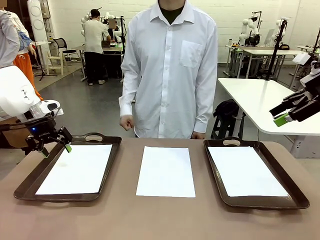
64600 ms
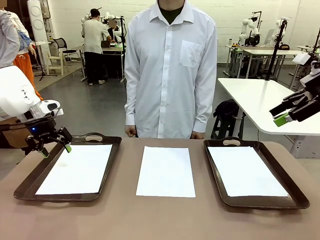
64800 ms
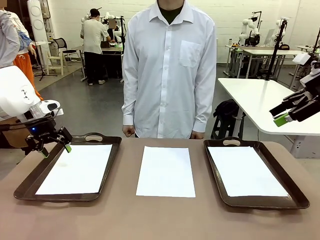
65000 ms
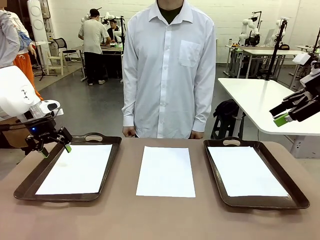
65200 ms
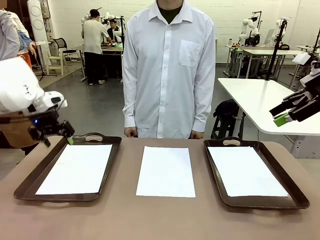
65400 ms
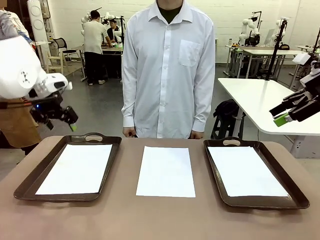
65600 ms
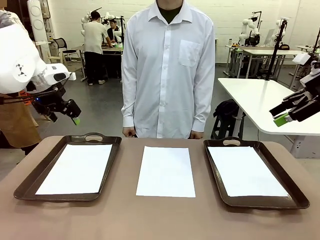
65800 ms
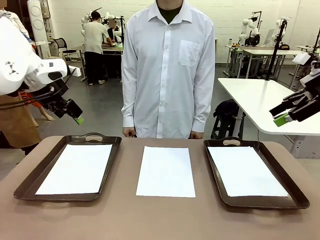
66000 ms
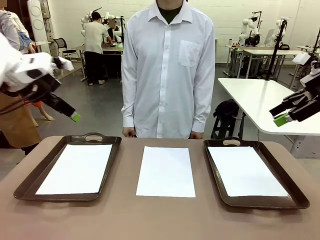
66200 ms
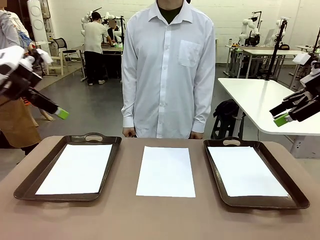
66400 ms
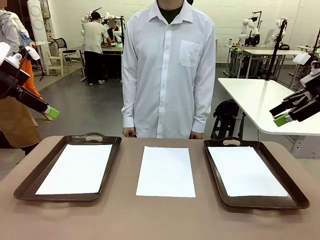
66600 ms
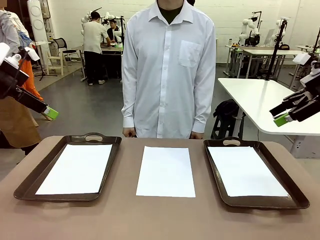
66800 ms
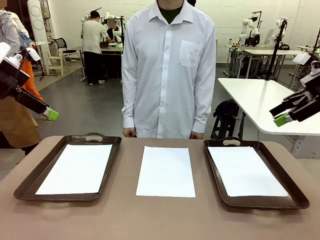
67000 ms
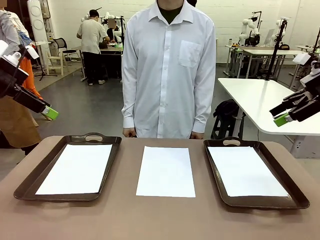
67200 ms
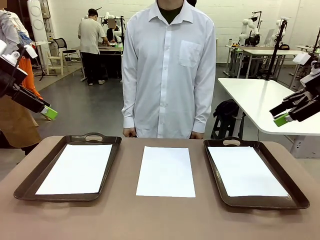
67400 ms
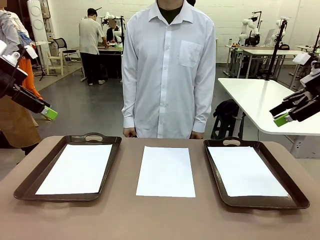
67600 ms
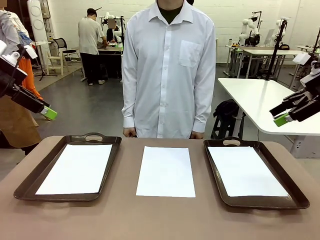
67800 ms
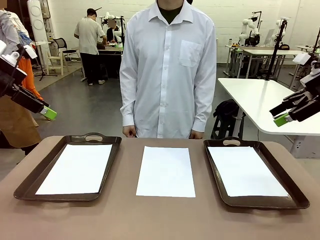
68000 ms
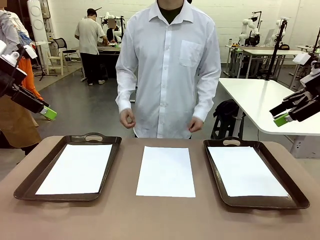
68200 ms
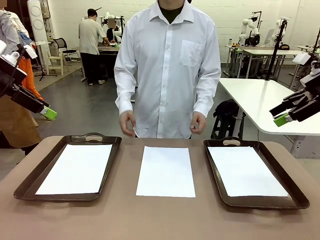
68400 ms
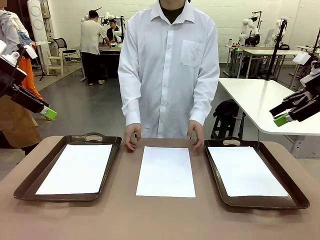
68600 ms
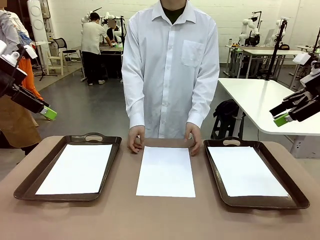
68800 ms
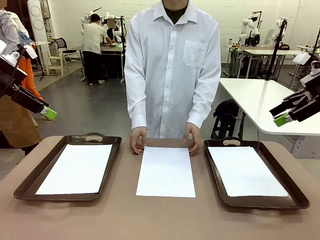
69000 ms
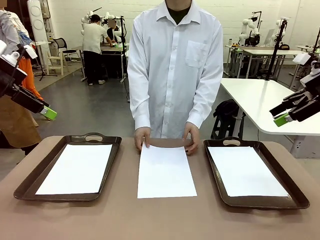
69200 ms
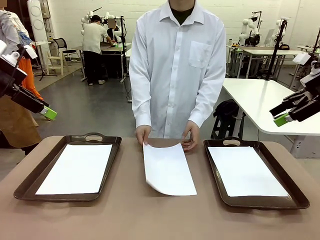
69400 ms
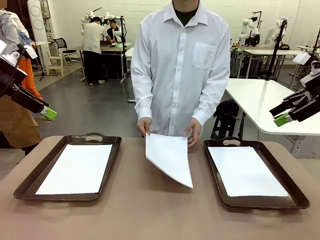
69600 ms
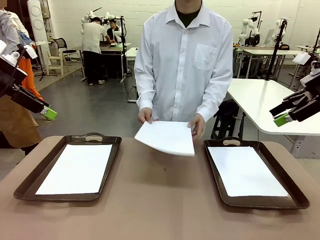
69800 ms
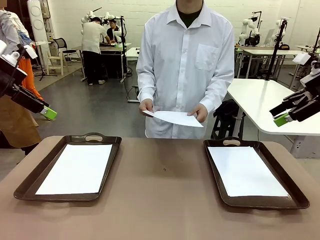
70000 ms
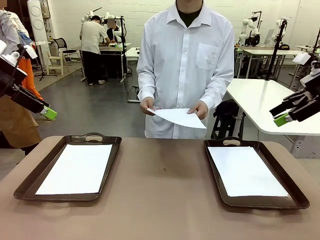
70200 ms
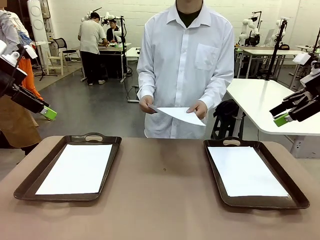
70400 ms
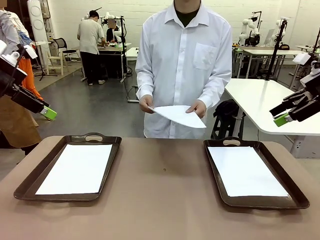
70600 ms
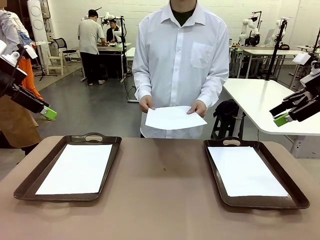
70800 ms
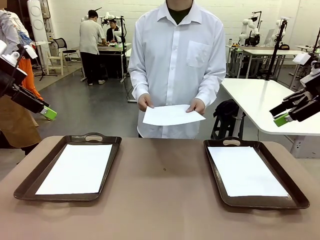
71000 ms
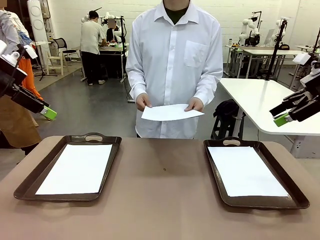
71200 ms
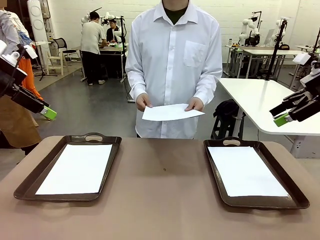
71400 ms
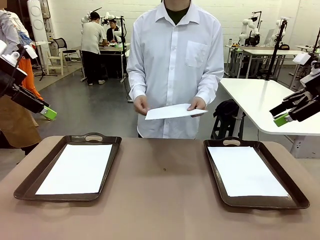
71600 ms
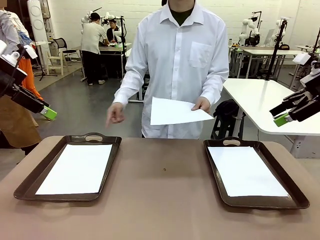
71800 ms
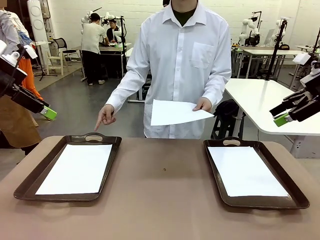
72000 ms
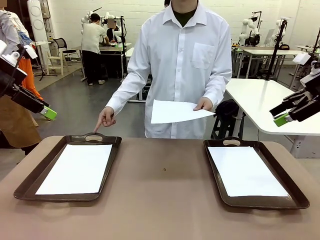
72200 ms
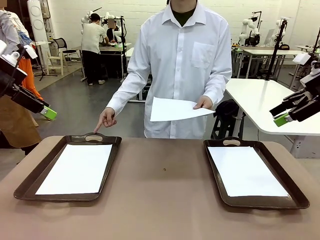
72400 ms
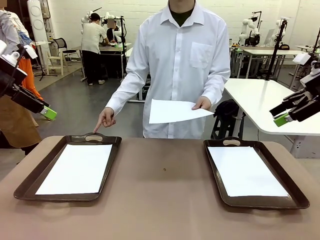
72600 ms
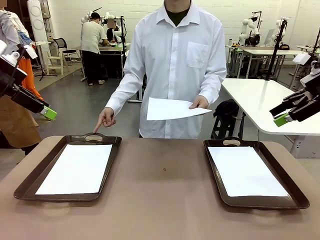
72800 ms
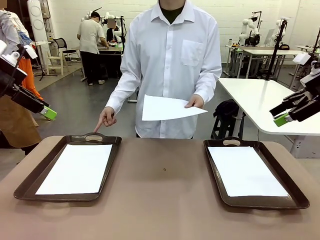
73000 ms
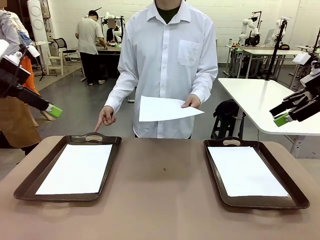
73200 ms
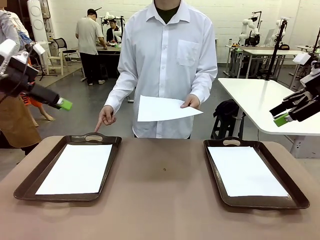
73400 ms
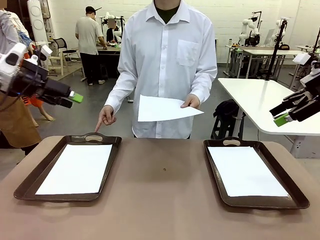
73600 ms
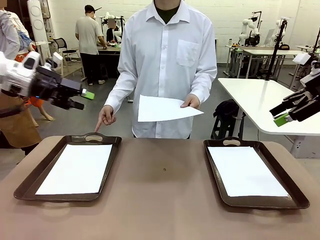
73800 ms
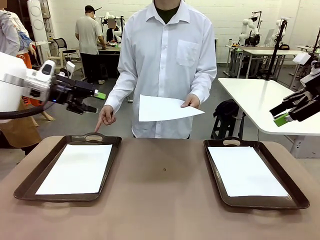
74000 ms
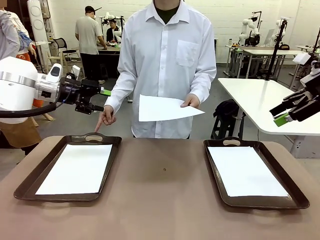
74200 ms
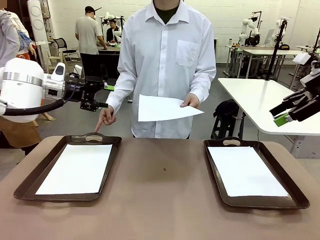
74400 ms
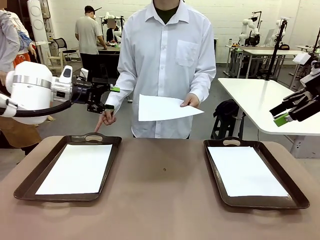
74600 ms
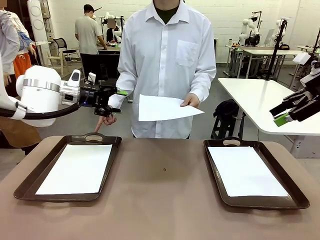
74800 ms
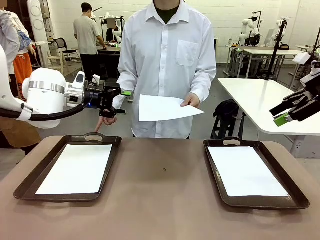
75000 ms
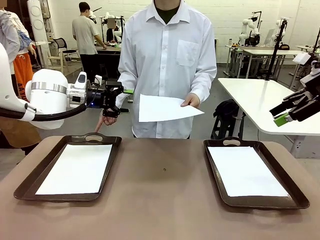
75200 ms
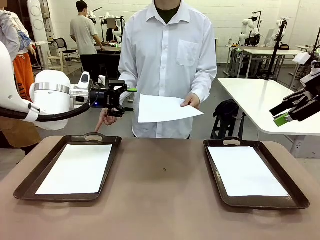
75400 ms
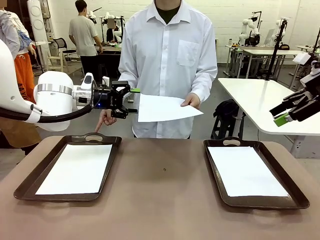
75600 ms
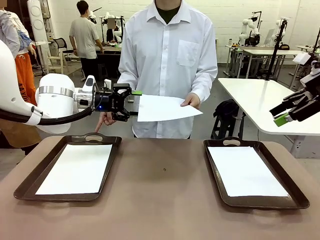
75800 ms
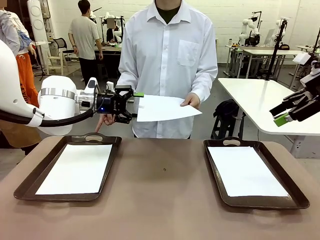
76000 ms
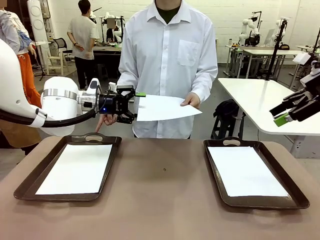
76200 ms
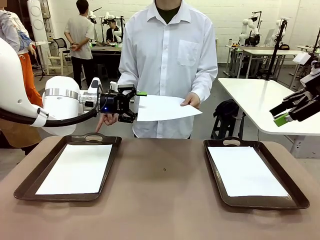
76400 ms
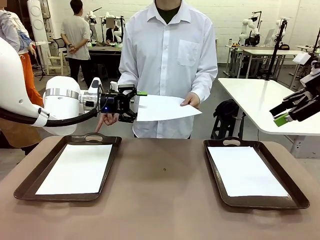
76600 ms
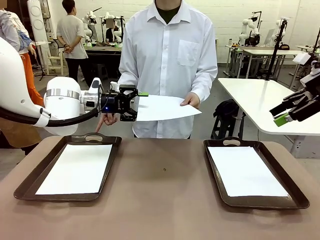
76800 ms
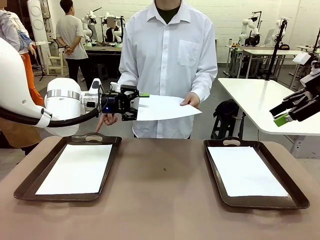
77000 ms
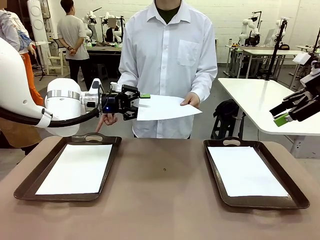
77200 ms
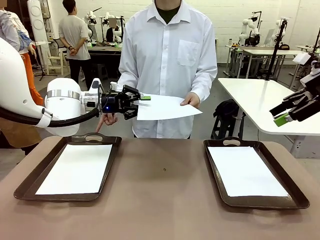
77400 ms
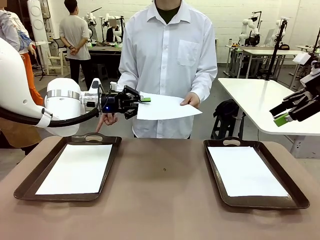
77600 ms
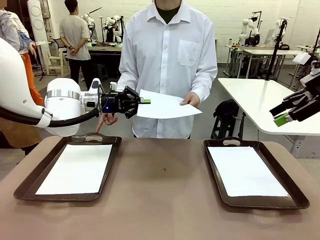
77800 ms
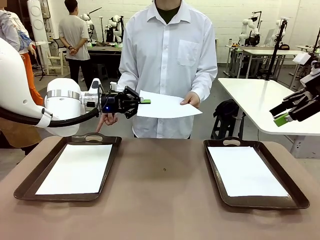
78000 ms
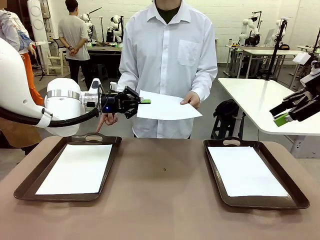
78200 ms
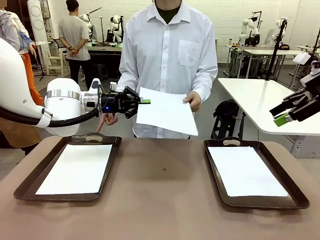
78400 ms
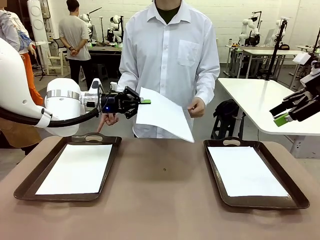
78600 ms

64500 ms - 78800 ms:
Task: Sort the A4 documents.
Robot: Receive the A4 Paper.
Person: Point the randomly selected tray with the other hand.

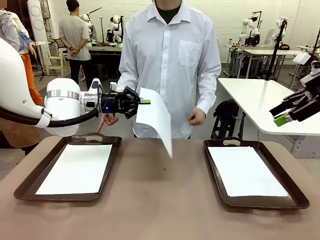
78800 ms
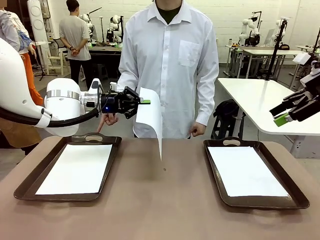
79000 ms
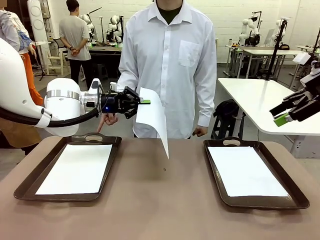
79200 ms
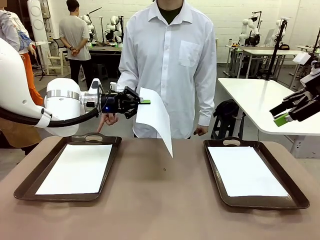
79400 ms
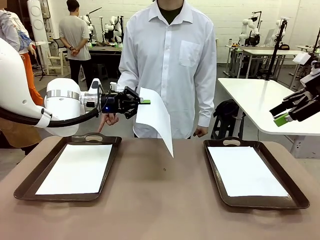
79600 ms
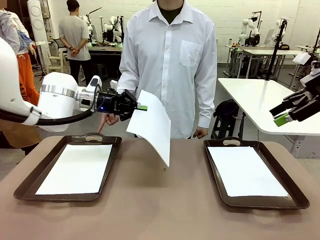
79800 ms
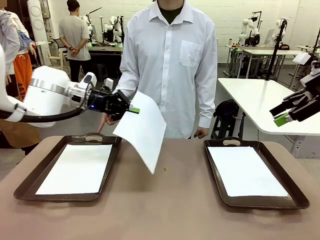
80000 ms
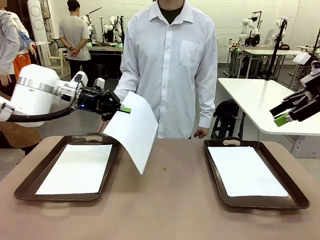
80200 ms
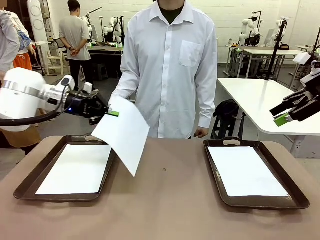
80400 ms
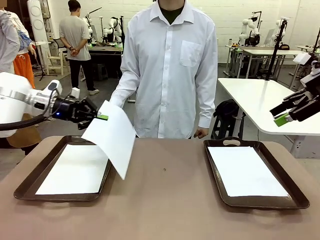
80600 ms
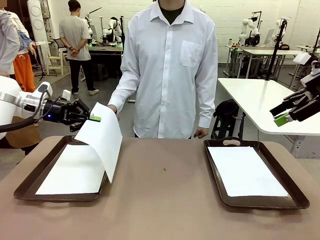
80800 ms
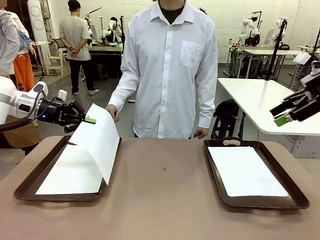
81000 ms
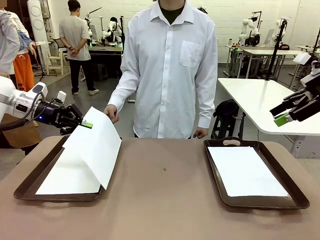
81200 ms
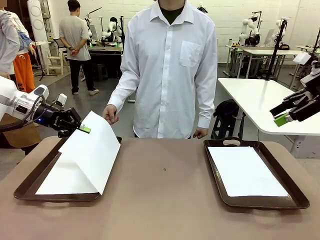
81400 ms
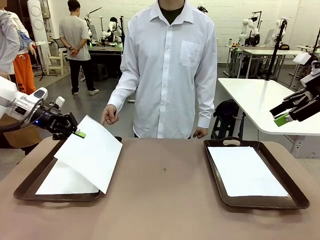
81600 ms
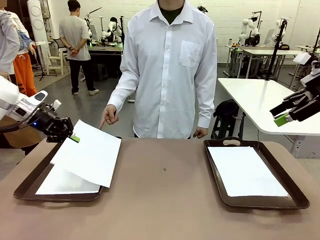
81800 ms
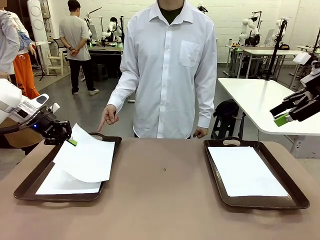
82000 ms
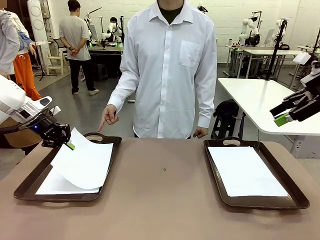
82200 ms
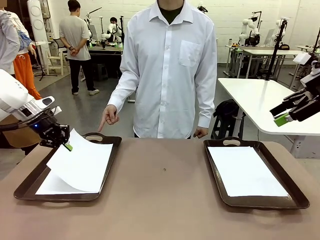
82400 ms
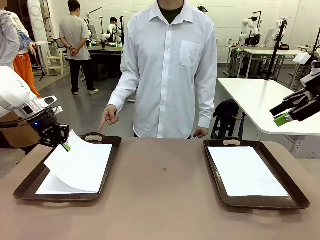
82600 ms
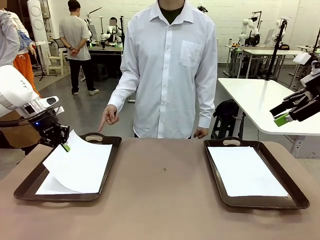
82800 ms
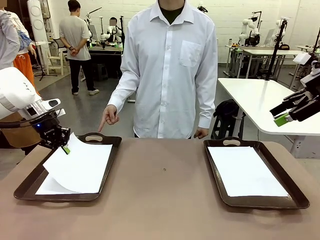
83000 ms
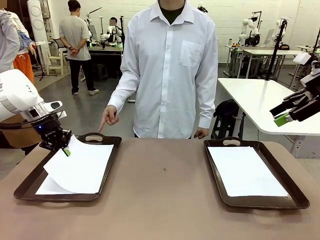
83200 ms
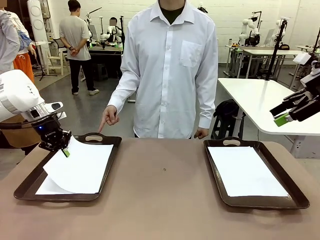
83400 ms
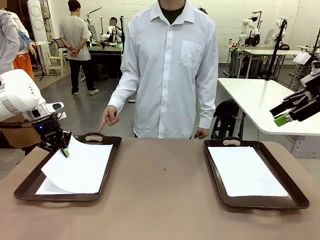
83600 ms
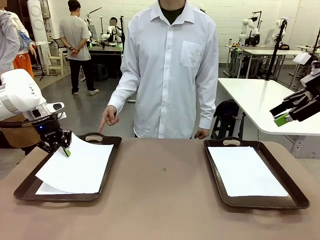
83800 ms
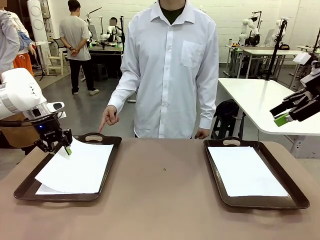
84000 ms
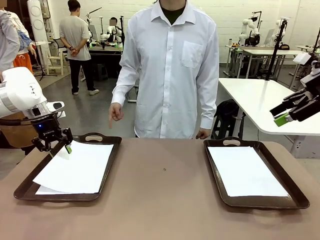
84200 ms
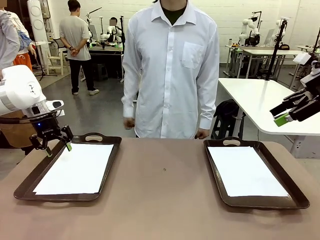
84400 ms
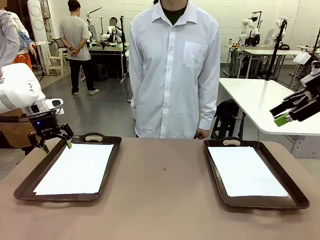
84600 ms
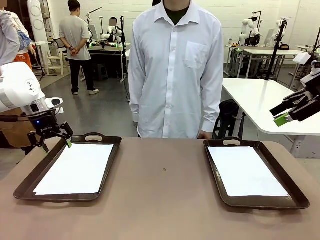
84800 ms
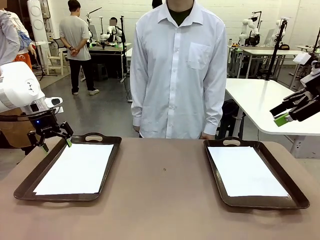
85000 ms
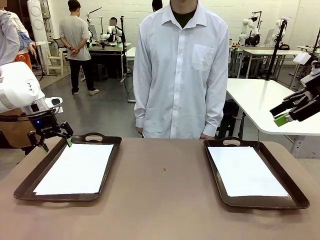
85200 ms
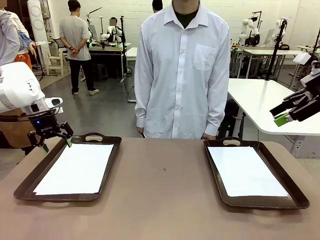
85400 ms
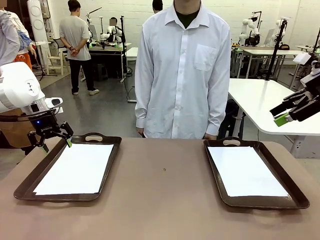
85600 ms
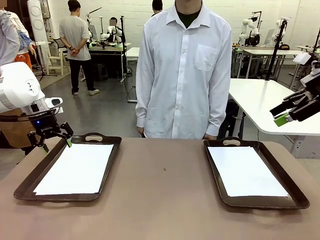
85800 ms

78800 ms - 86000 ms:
Robot: Place the A4 Paper in the designated Handle tray.
